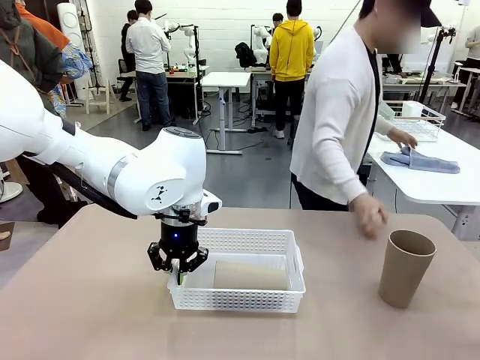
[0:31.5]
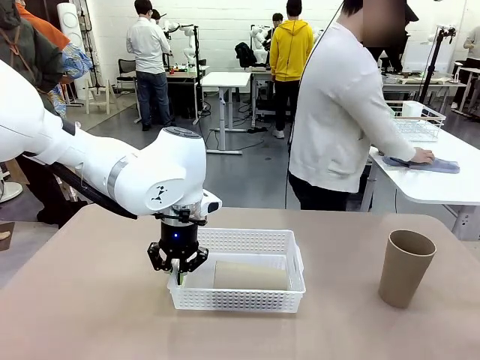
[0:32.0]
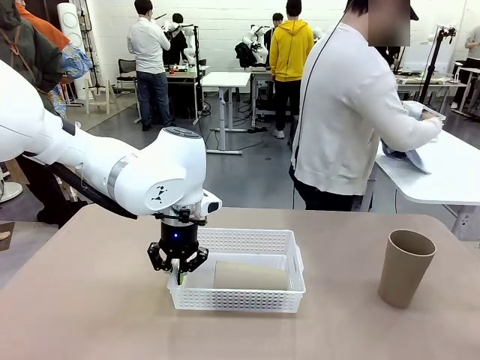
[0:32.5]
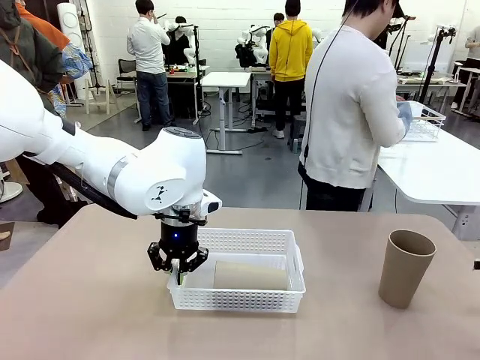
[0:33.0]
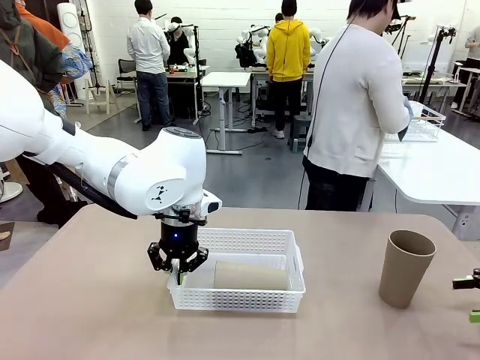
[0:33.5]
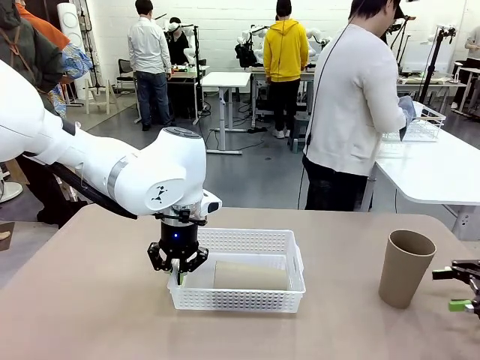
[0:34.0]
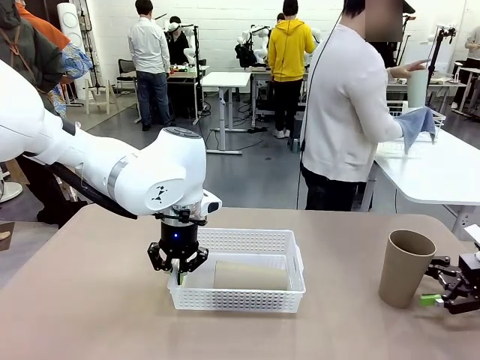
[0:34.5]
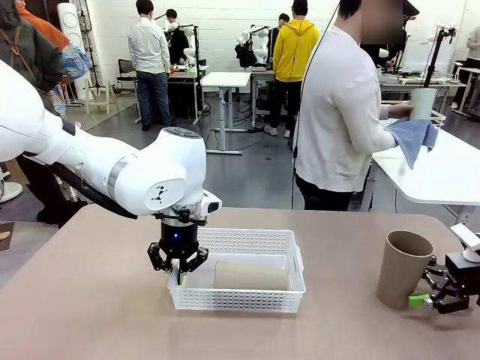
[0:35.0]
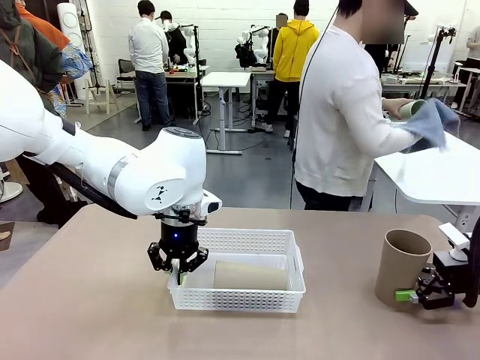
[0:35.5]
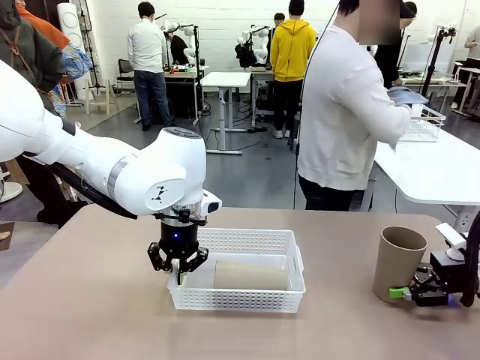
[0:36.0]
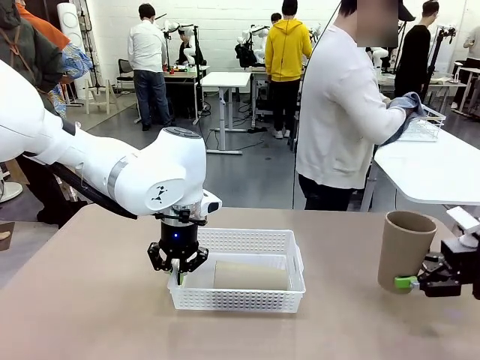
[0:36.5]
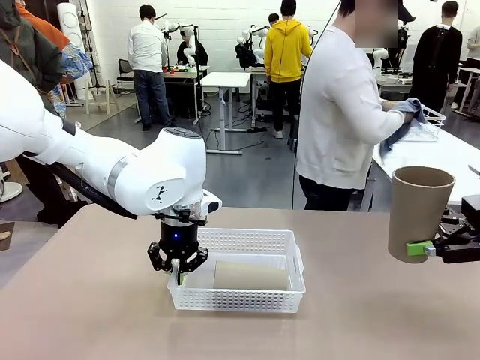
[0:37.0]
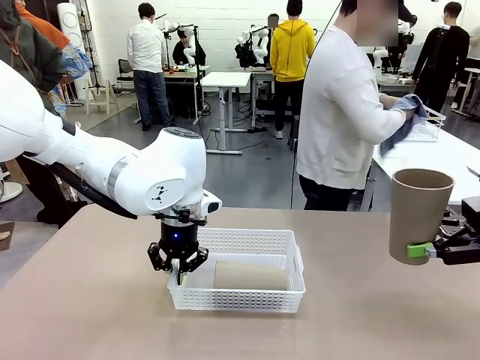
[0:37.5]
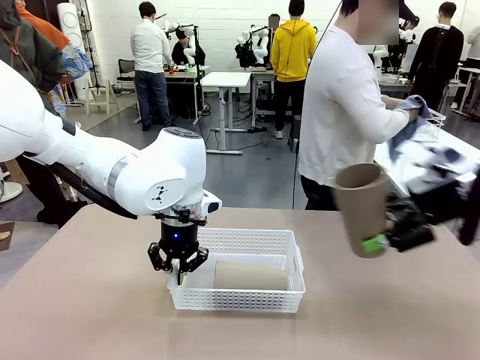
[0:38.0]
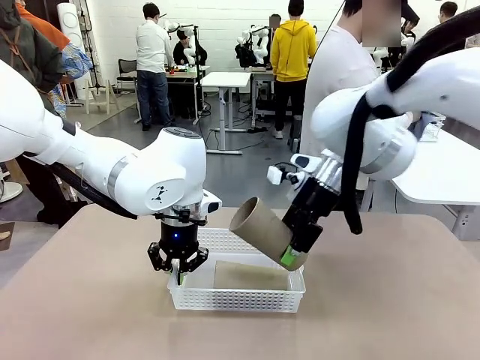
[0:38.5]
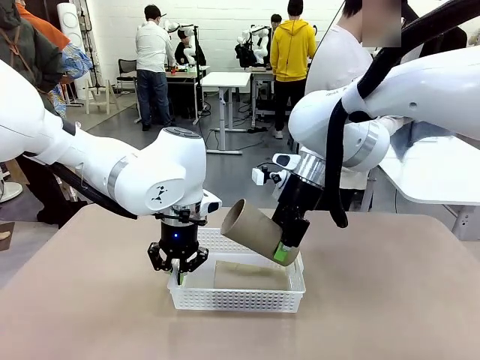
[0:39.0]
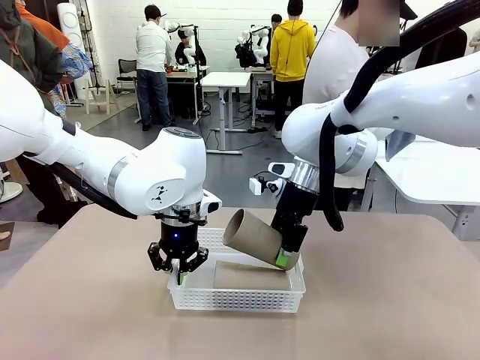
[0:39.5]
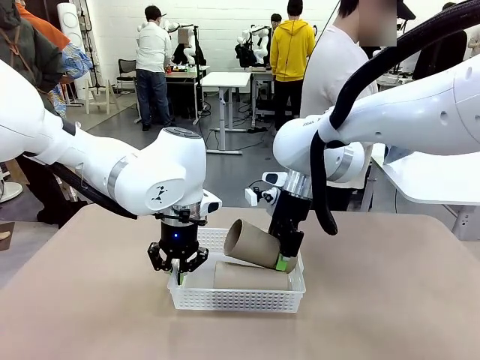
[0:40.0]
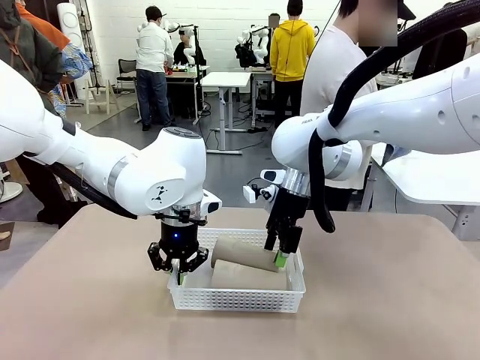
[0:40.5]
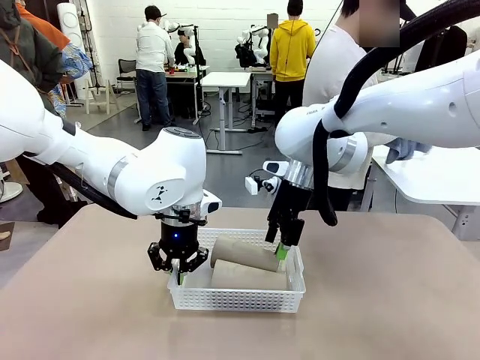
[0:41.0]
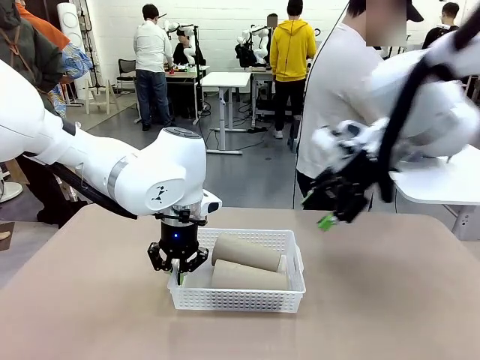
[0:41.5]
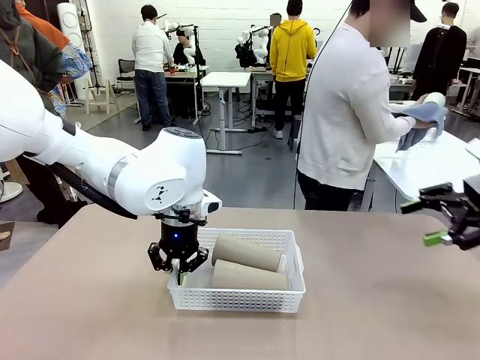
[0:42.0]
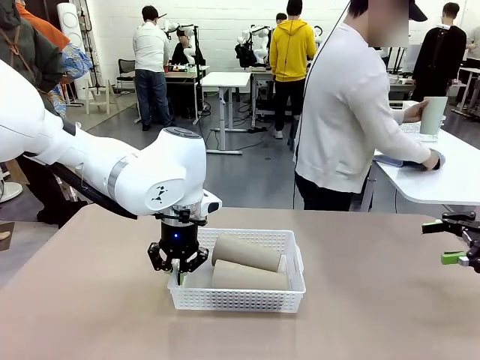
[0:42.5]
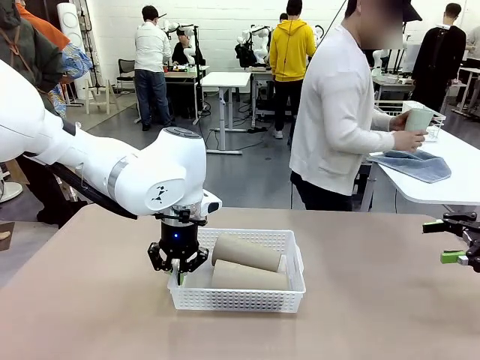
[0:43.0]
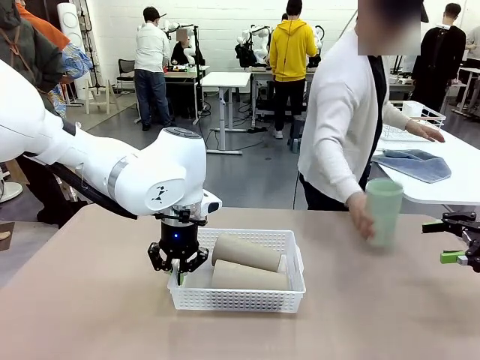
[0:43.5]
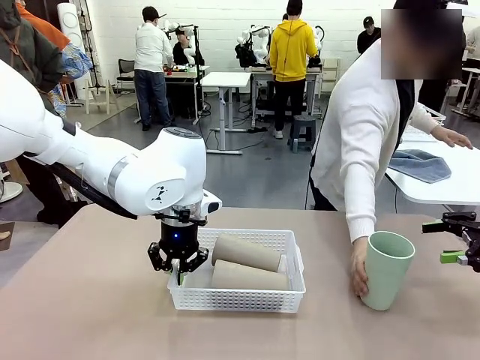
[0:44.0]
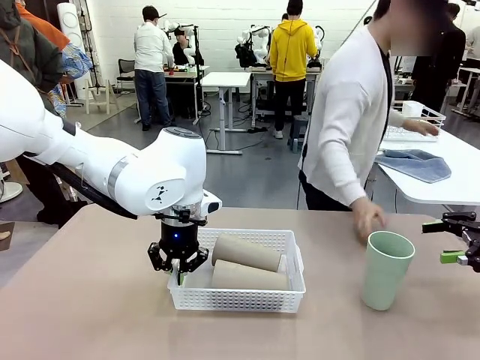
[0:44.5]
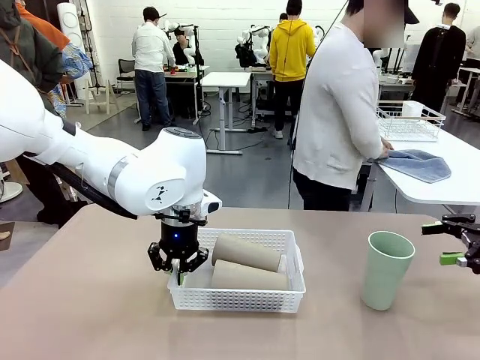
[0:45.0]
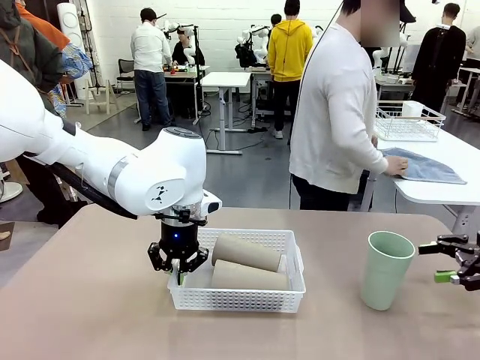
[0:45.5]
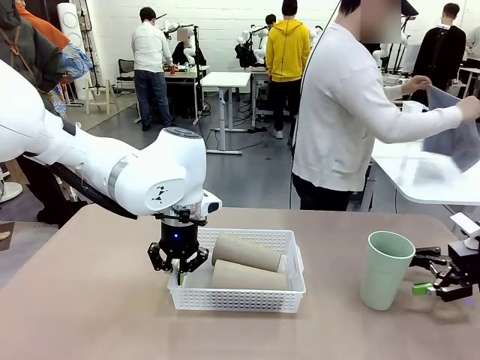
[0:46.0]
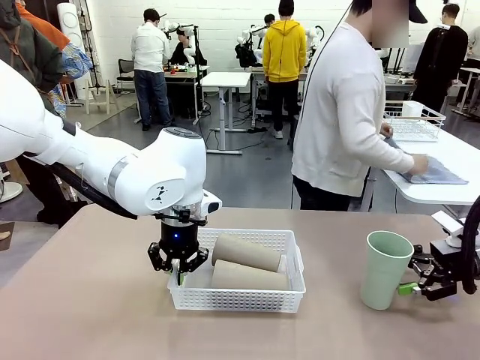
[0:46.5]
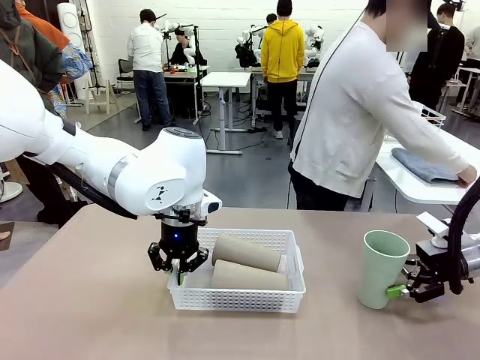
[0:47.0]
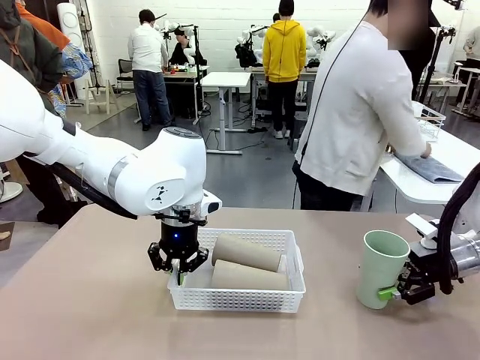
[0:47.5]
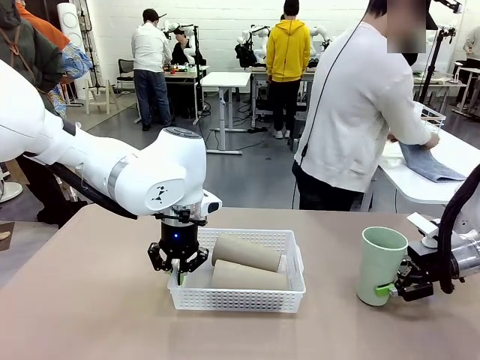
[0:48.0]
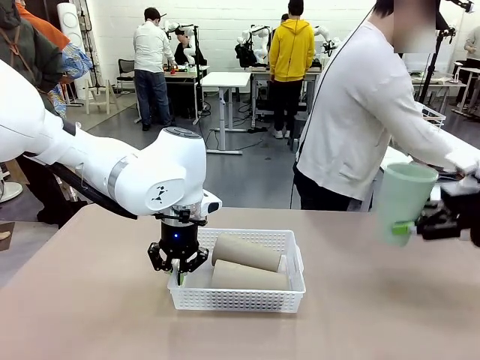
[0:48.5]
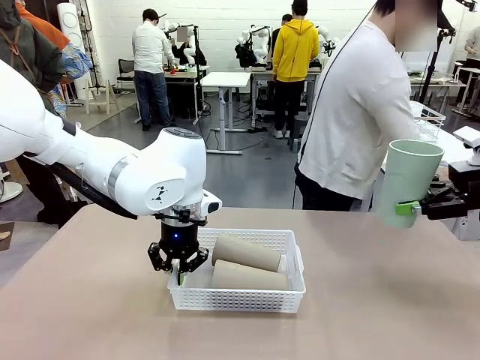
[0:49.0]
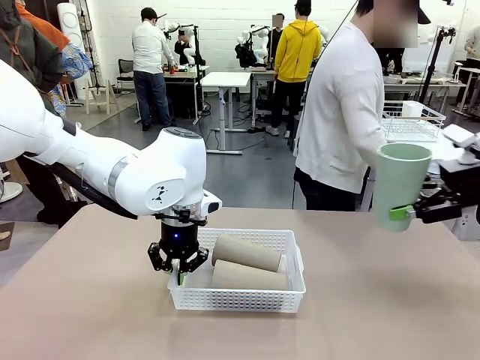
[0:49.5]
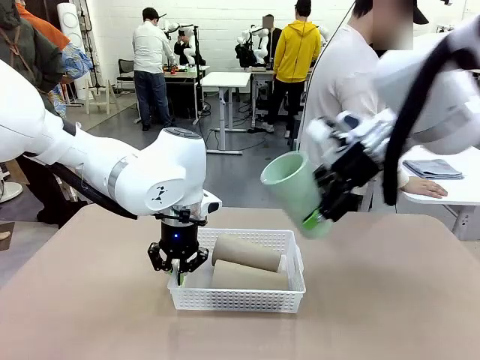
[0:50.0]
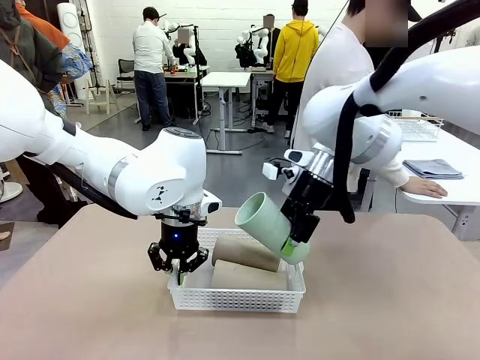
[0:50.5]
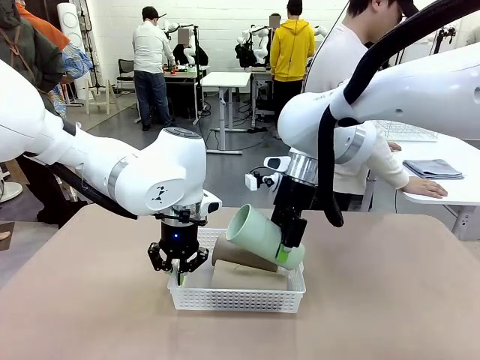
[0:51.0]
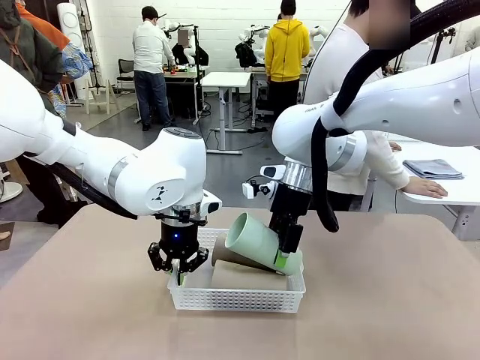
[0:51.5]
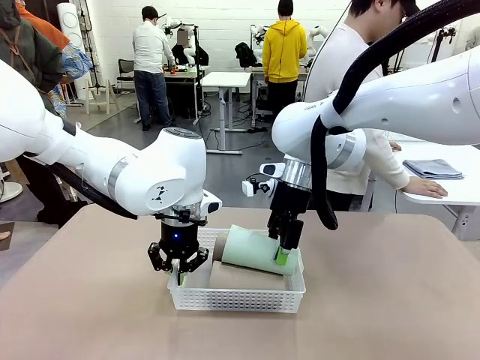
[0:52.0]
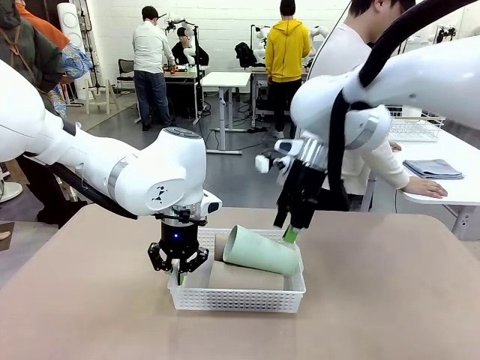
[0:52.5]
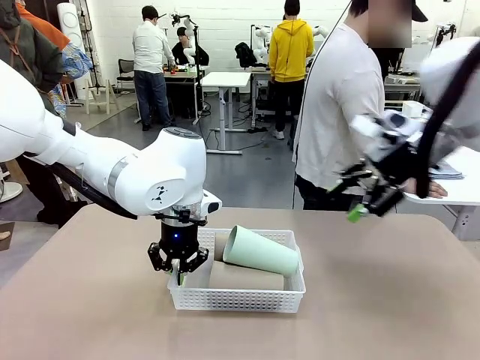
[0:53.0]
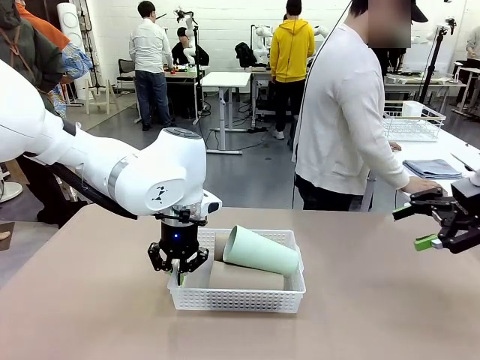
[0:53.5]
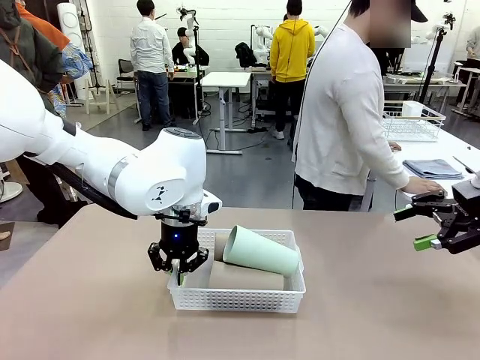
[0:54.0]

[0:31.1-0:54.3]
Task: Clean and organize the cups into the basket.
Robot: Pick up the Reusable plastic cup from the right side of the table and stack it inside the Organizing basket in the center of the table.

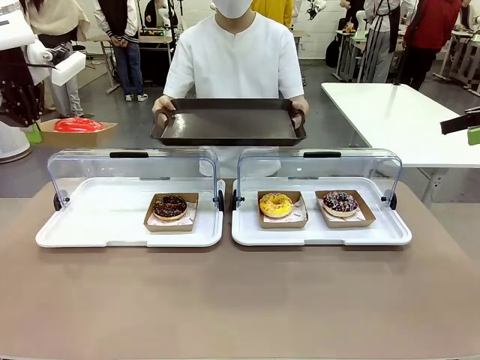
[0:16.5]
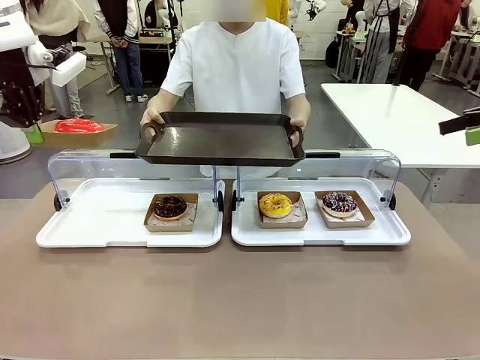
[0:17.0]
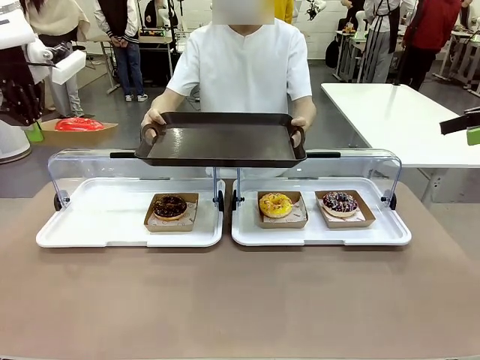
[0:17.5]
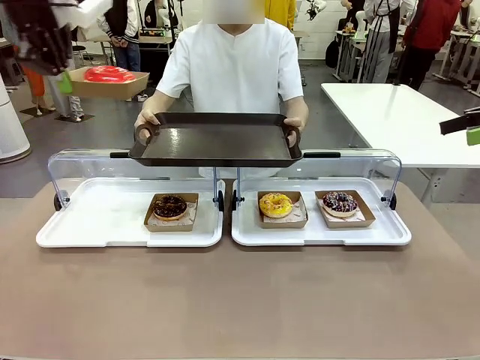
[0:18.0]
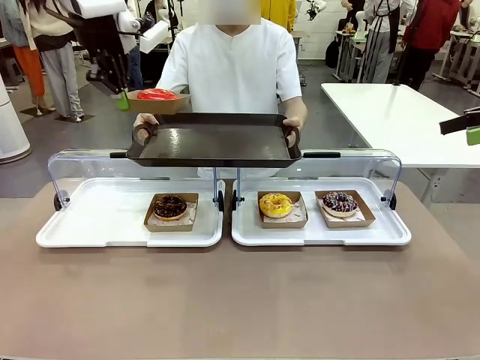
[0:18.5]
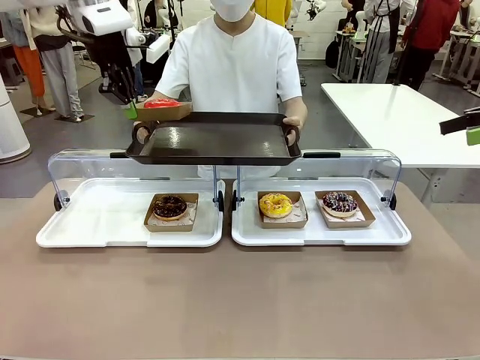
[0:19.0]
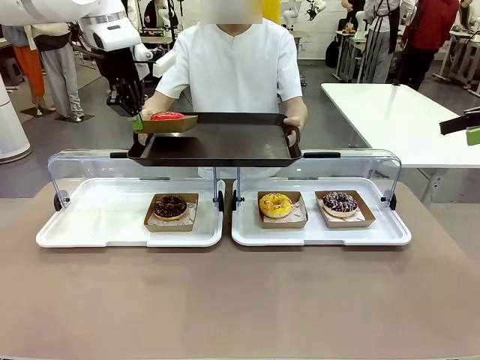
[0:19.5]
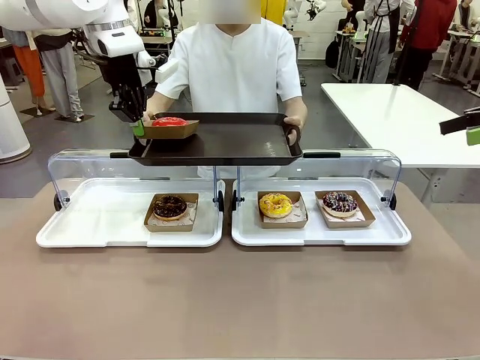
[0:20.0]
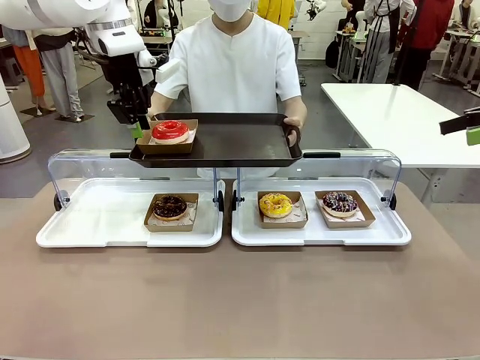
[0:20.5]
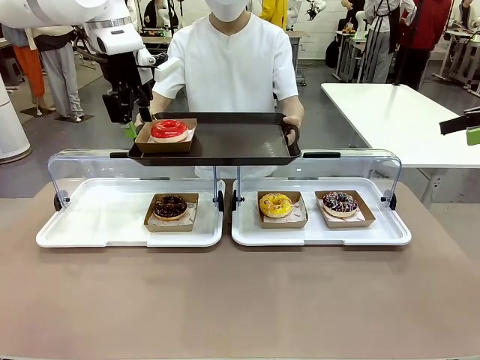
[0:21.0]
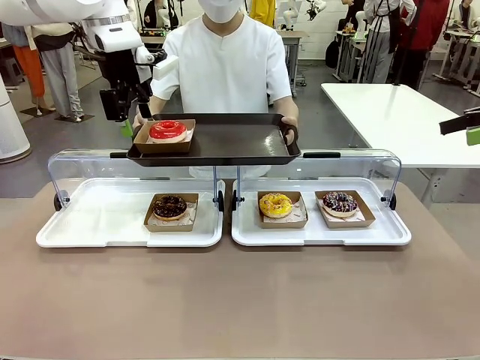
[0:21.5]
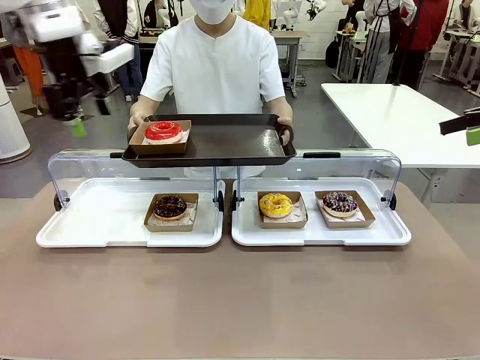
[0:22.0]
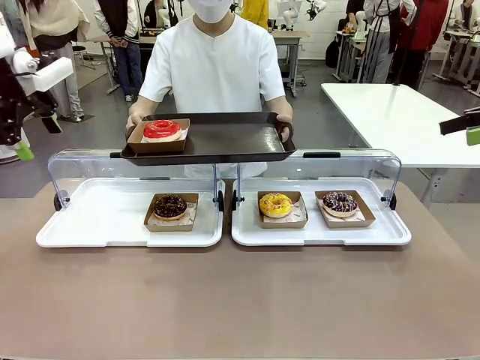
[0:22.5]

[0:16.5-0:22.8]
Task: Provide the desired donut to the person.
Robot: Place the picked Paper togo box onto the Handle tray extended by the person.
